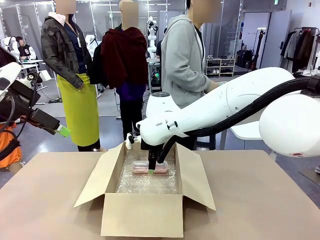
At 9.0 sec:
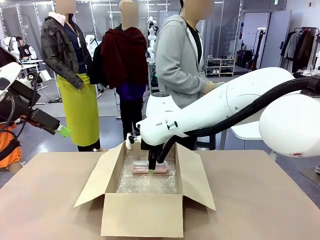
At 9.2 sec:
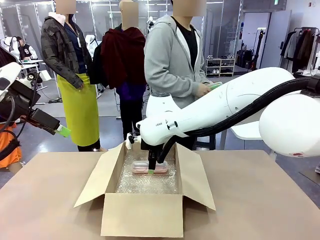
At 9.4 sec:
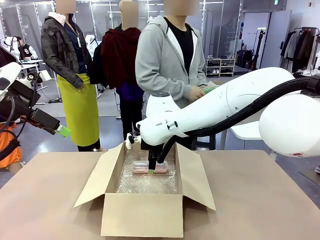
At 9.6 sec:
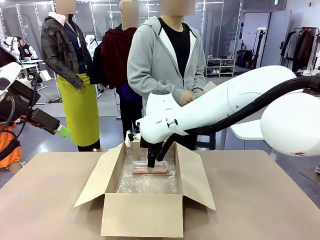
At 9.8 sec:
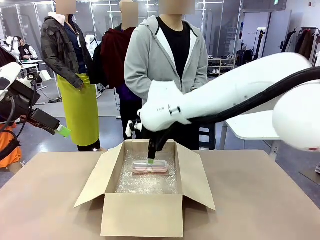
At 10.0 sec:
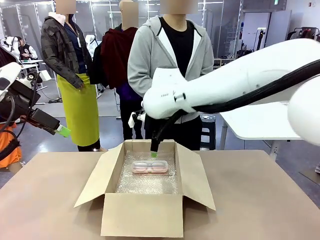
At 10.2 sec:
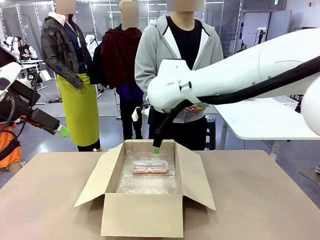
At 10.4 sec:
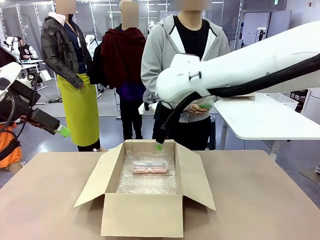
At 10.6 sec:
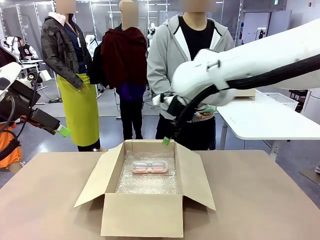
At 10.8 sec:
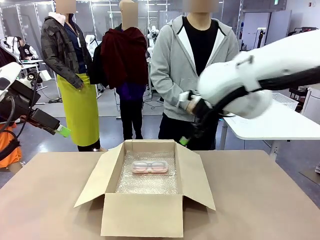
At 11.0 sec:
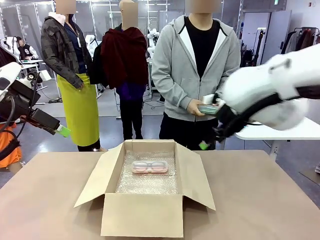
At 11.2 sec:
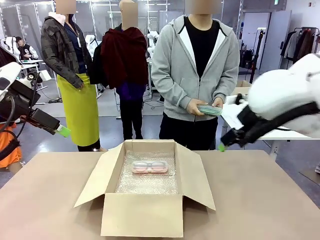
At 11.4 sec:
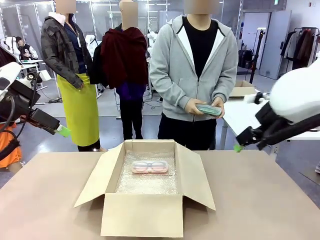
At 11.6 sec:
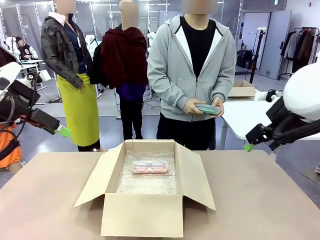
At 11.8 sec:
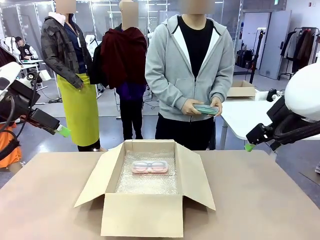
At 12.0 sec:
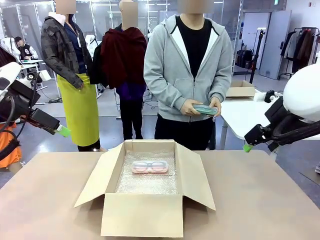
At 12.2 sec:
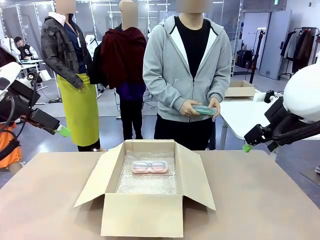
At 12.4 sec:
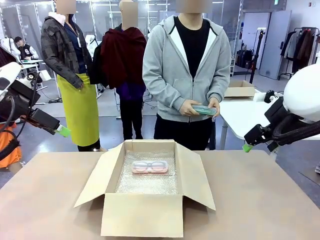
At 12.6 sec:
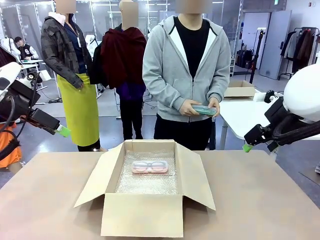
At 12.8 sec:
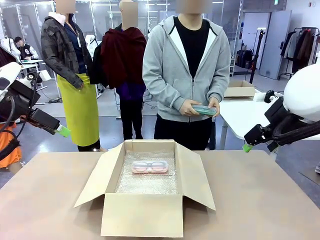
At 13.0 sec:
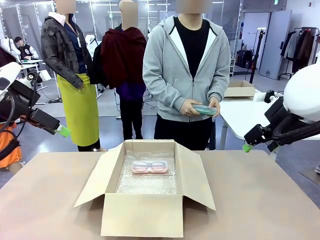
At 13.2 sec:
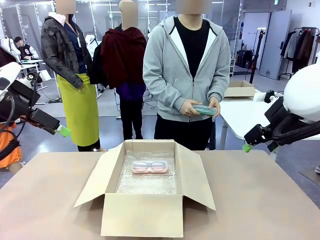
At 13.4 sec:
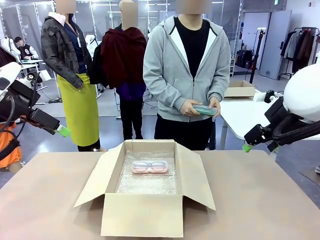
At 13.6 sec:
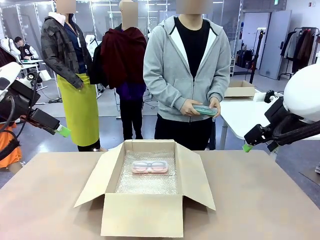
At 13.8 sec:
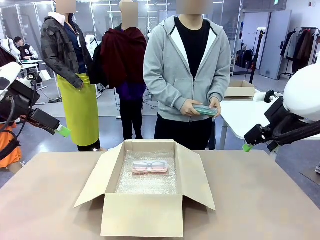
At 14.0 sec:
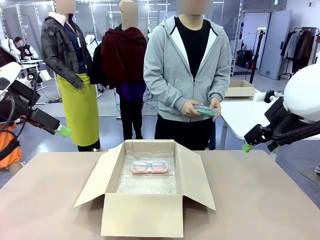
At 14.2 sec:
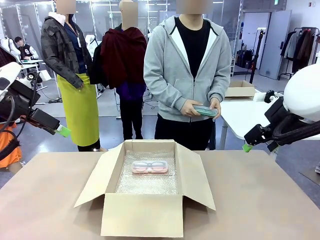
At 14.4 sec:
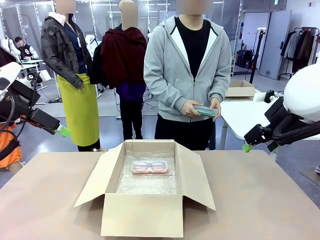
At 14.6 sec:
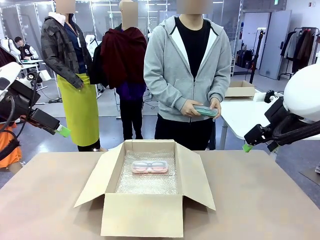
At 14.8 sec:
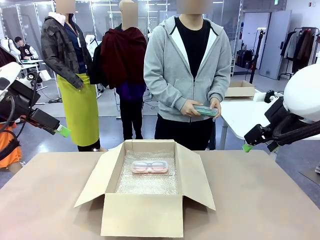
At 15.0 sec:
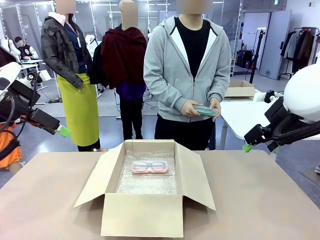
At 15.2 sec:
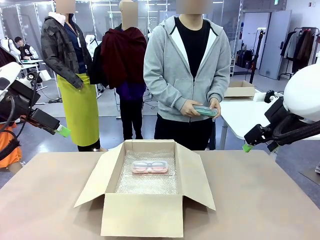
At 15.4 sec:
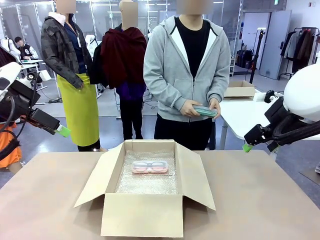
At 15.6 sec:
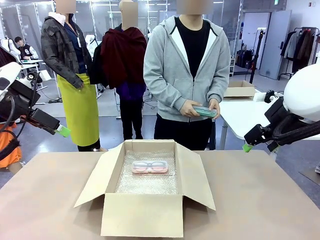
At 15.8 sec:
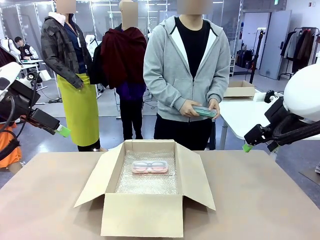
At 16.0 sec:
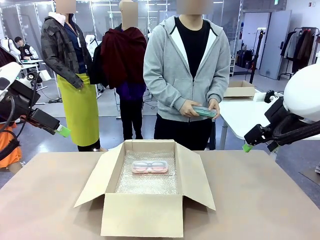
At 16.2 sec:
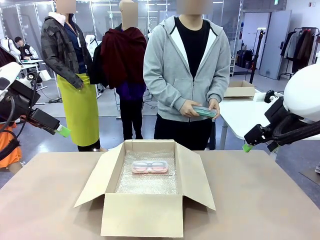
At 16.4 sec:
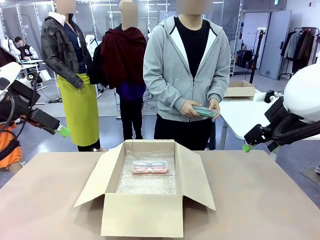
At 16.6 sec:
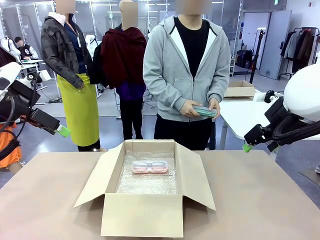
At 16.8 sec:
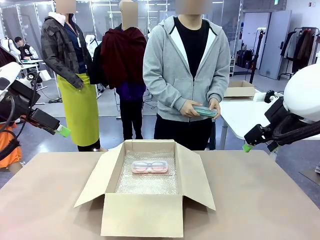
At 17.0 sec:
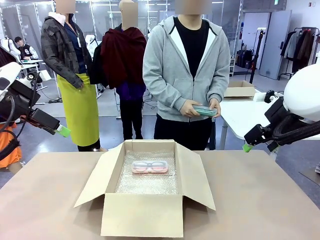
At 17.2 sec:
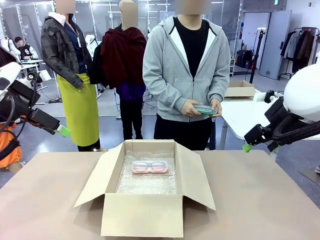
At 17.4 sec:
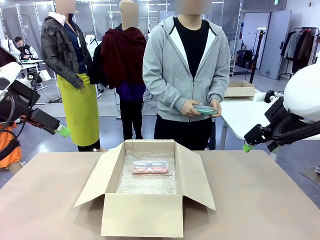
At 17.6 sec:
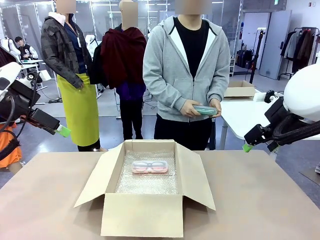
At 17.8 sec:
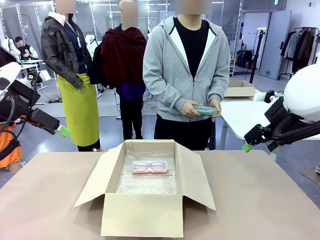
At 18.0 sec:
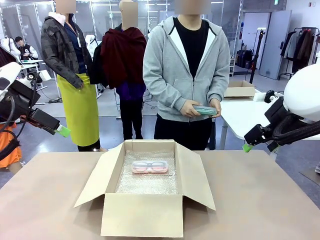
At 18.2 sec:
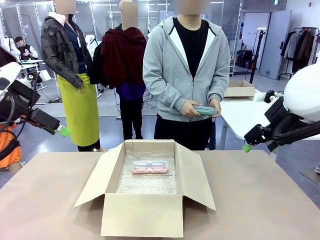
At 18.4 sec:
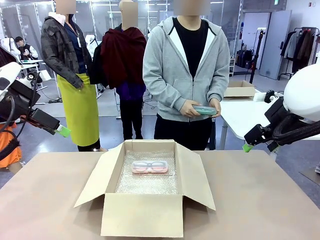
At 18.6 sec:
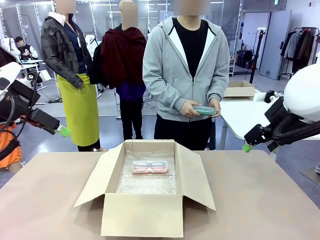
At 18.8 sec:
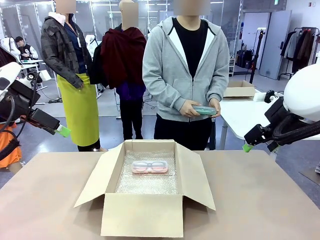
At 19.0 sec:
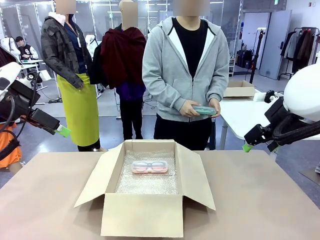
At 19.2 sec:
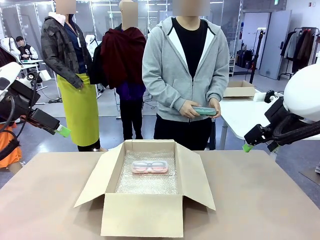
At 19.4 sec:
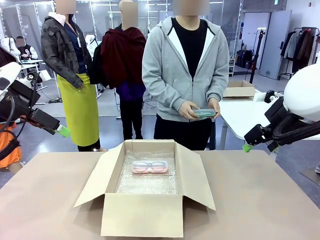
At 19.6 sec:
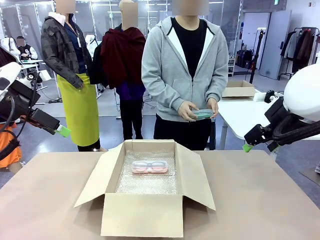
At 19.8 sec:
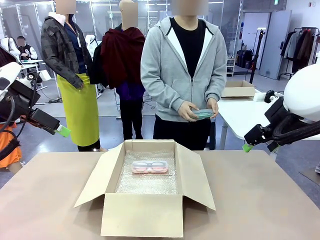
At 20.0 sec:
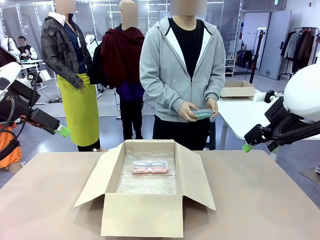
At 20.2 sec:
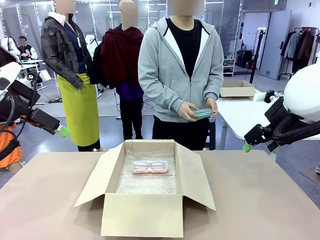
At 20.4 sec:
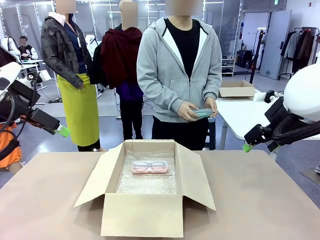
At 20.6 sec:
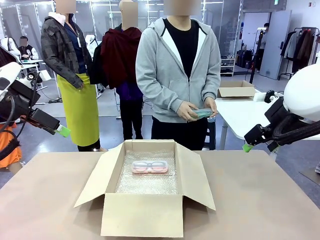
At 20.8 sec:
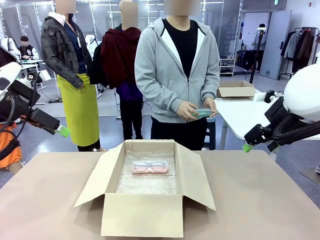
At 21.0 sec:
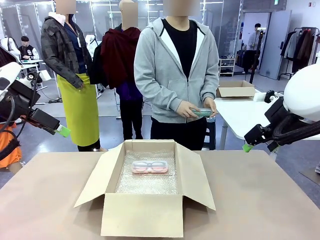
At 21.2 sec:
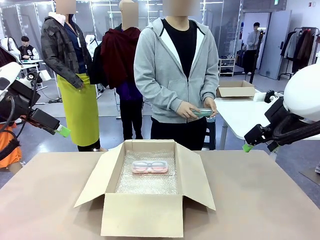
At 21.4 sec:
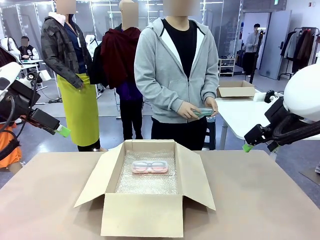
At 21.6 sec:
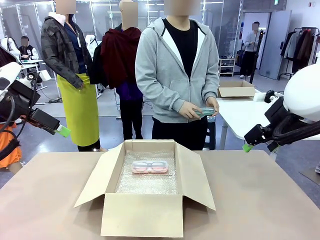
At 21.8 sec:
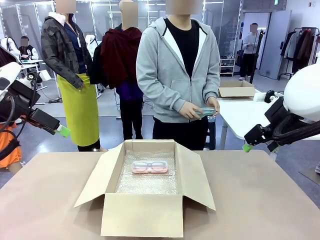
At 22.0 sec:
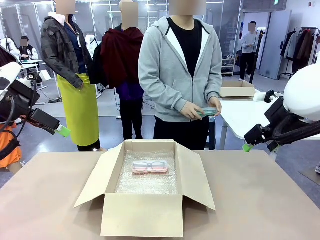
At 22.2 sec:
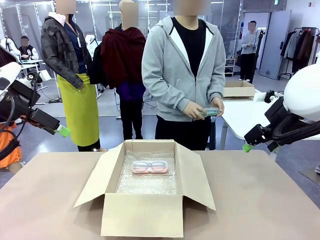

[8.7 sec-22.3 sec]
Task: Pack the glasses set securely to prepare it for shipping.
Robot: Put the Glasses case from the right side of the table into the Package Box.
Person: Position the Glasses case on the left side of the robot's table.
